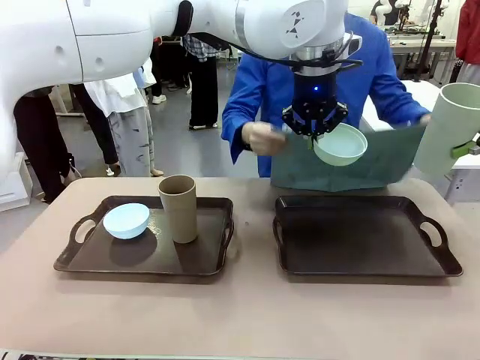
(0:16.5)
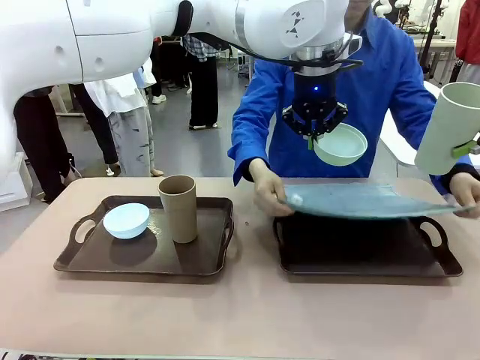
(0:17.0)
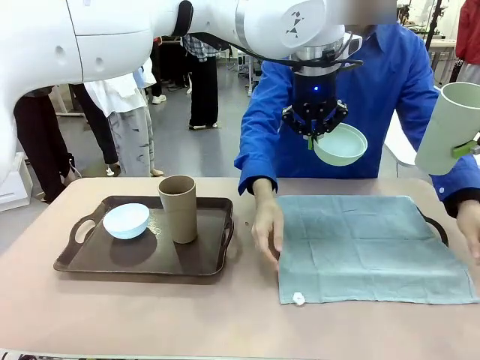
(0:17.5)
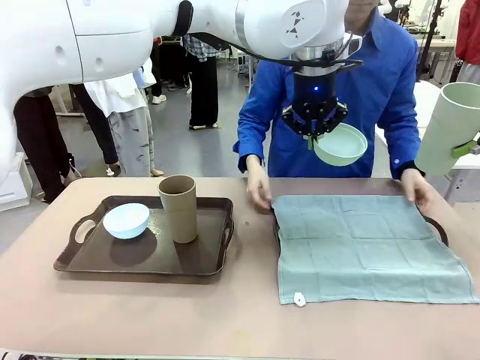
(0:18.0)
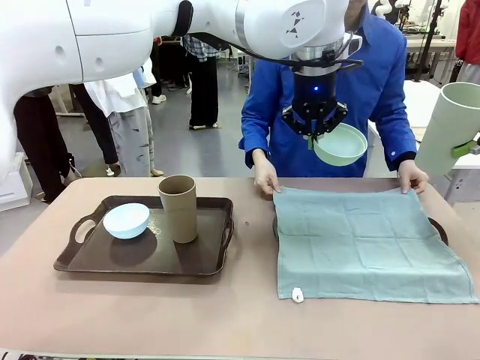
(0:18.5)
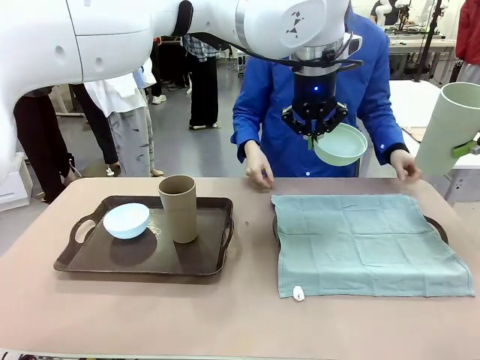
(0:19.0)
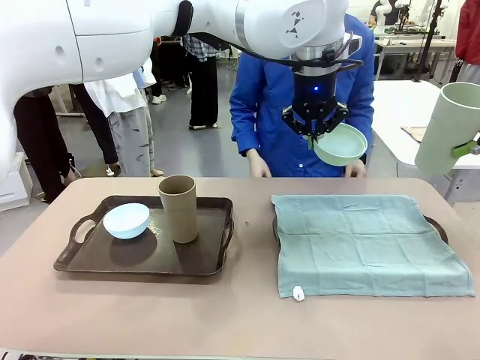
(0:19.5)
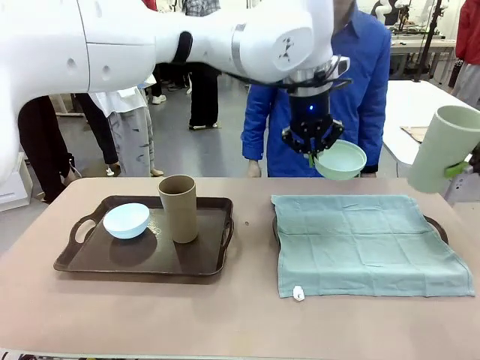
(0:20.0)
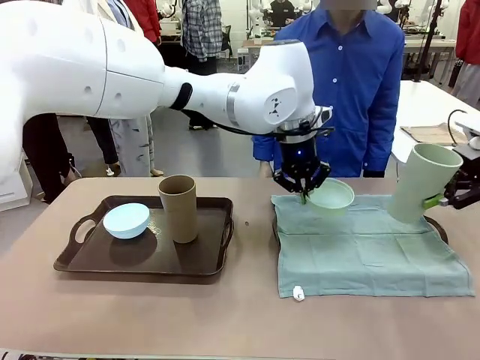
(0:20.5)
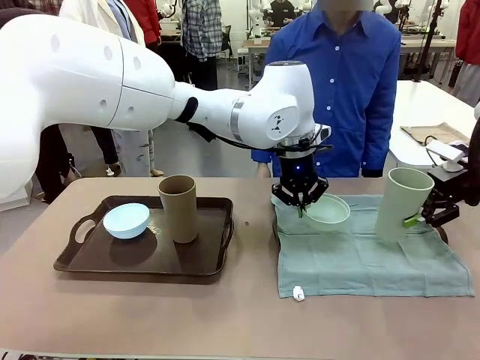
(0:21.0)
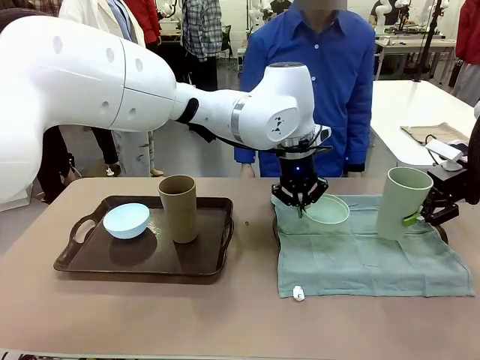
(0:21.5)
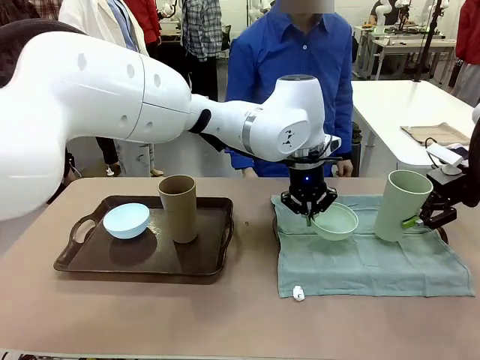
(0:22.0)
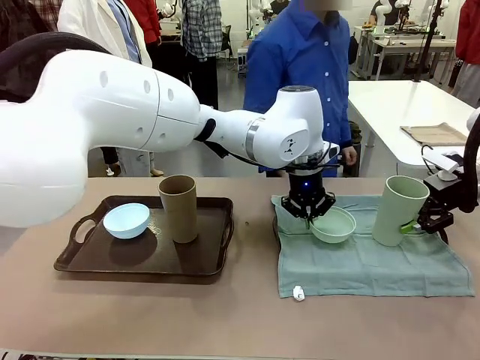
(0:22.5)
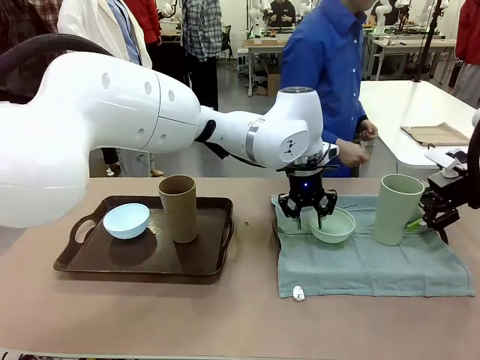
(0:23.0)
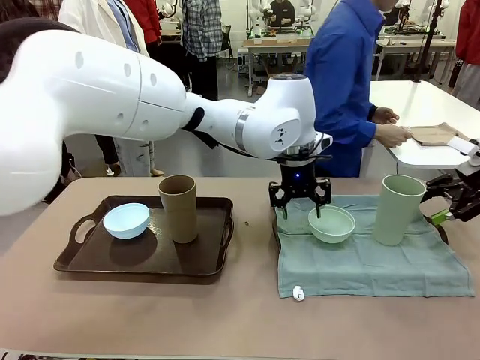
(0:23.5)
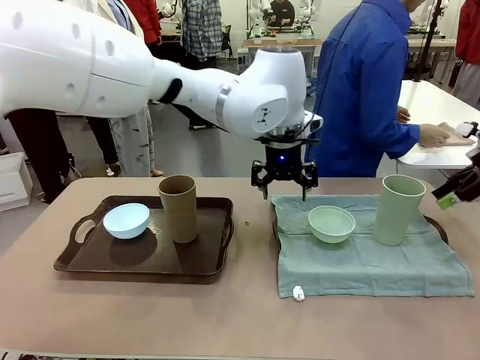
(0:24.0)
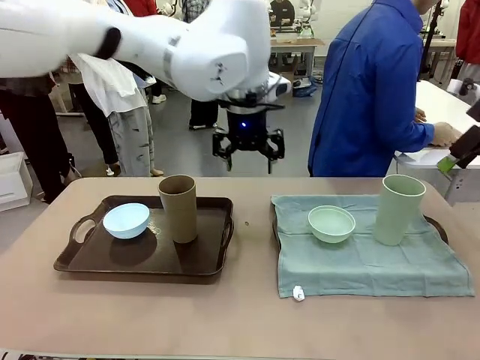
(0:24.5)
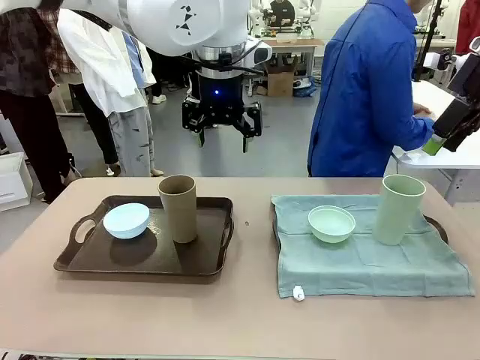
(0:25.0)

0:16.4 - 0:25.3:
Robot: Place the Picnic Bowl and Reusable plastic cup back onto the Handle tray in front of the human's position.
Person: The human returns to the human table to pick up another napkin and walks to the robot table to stand in front of the tray without a napkin.

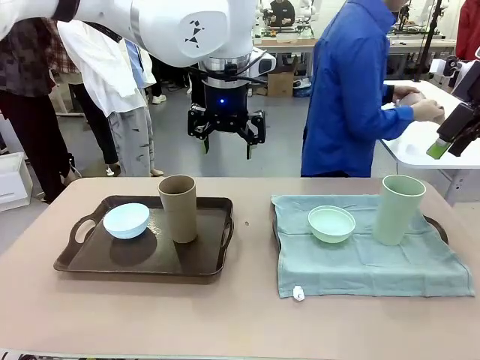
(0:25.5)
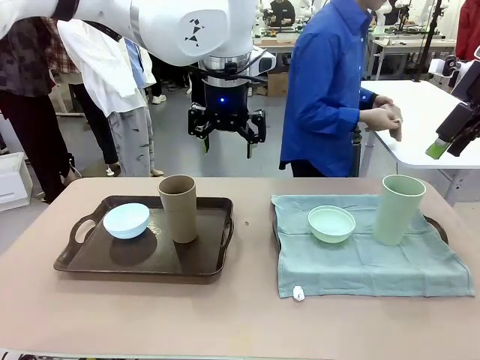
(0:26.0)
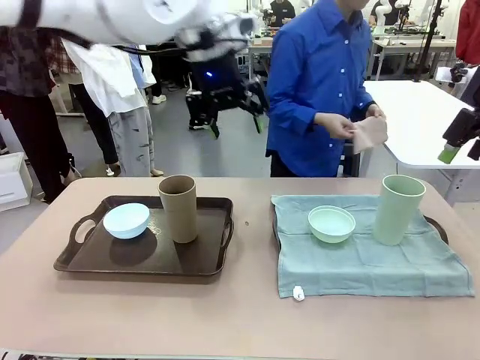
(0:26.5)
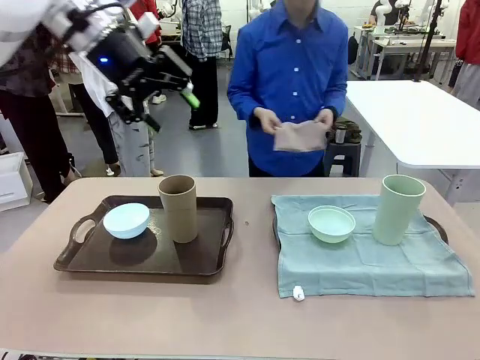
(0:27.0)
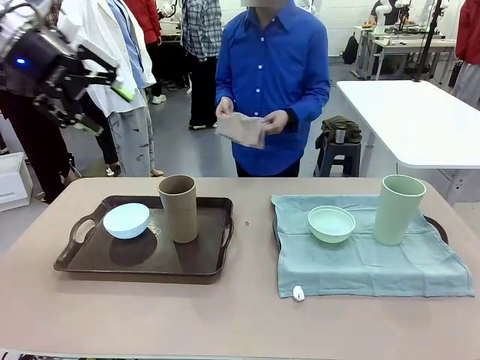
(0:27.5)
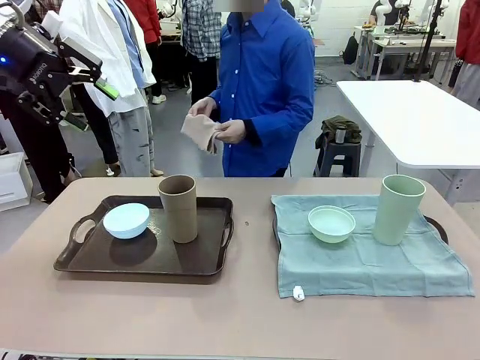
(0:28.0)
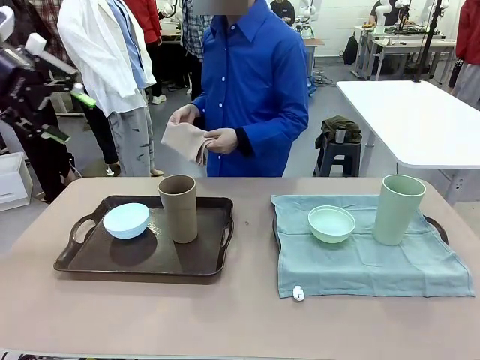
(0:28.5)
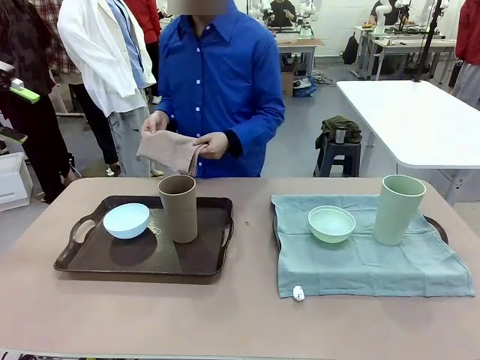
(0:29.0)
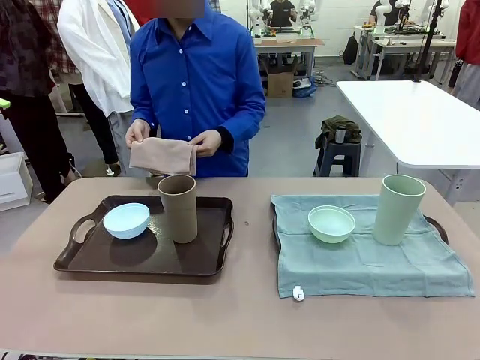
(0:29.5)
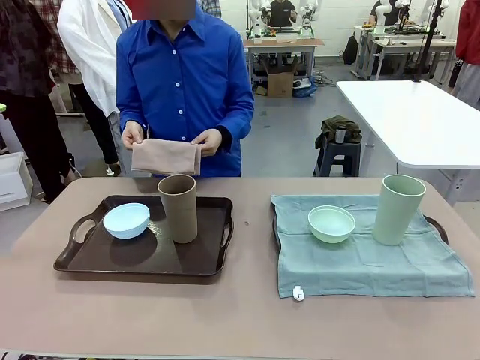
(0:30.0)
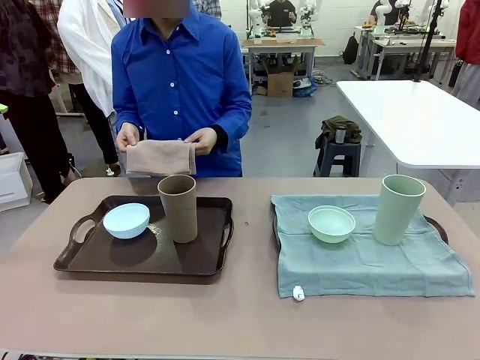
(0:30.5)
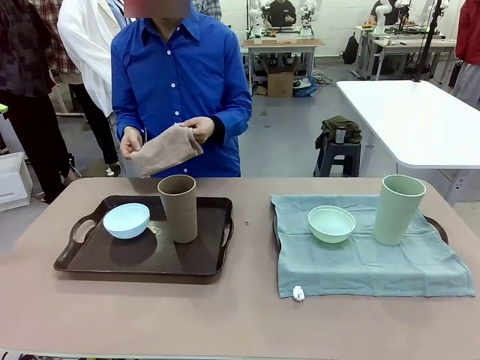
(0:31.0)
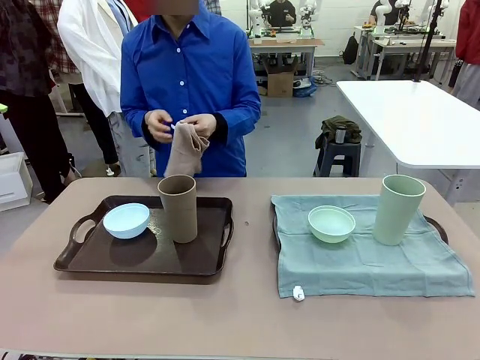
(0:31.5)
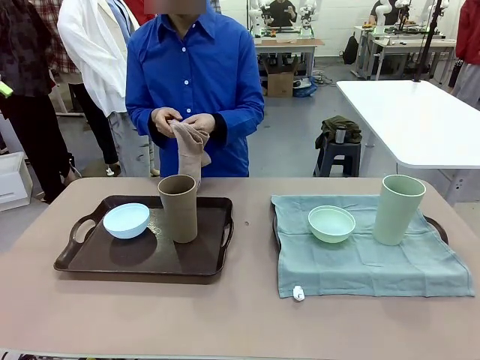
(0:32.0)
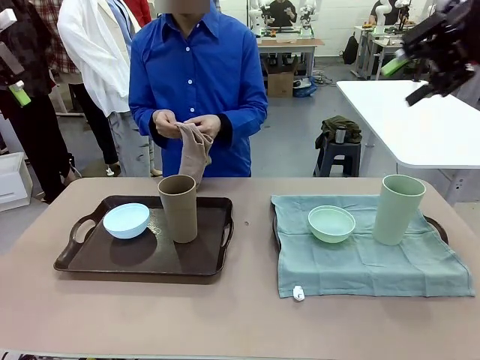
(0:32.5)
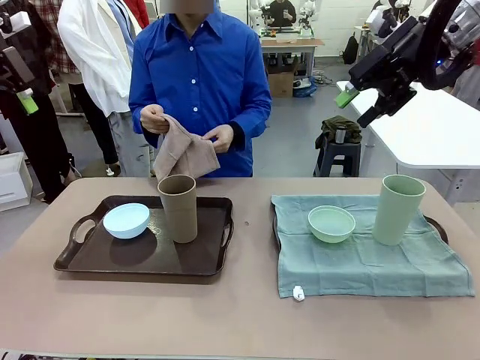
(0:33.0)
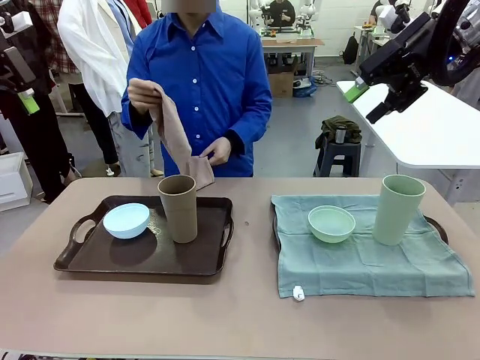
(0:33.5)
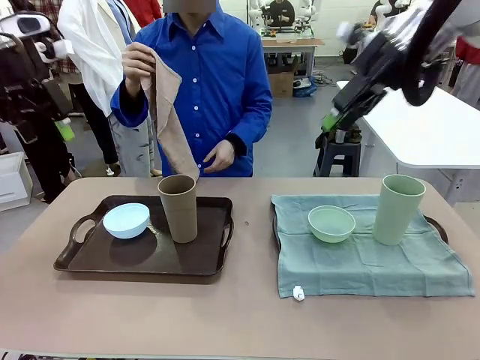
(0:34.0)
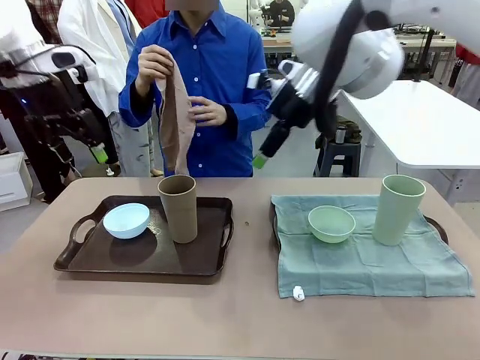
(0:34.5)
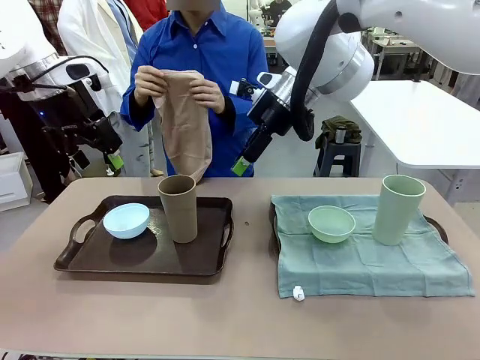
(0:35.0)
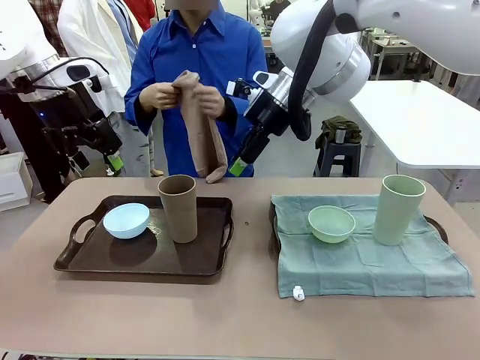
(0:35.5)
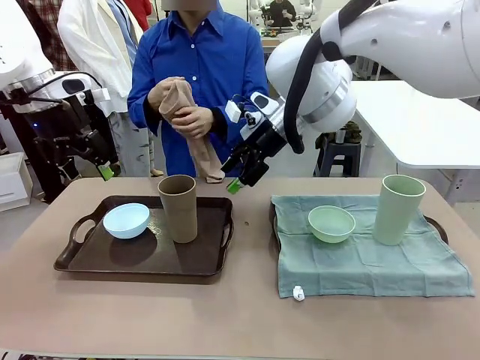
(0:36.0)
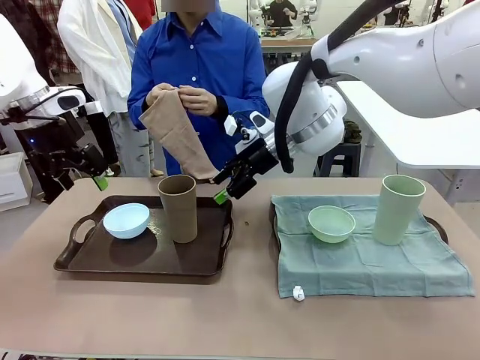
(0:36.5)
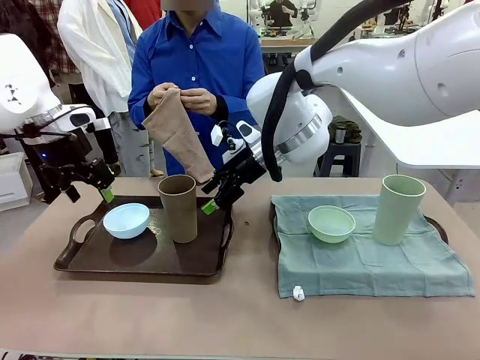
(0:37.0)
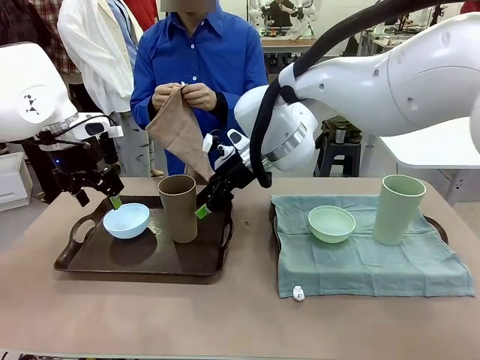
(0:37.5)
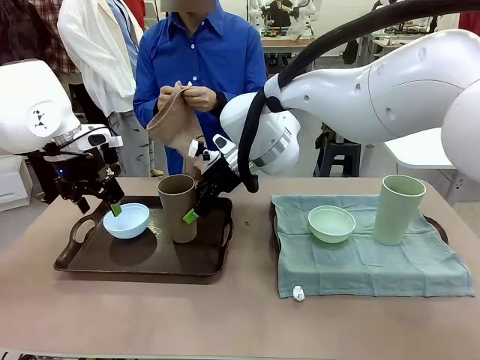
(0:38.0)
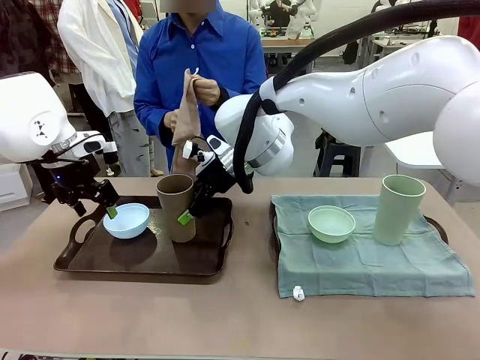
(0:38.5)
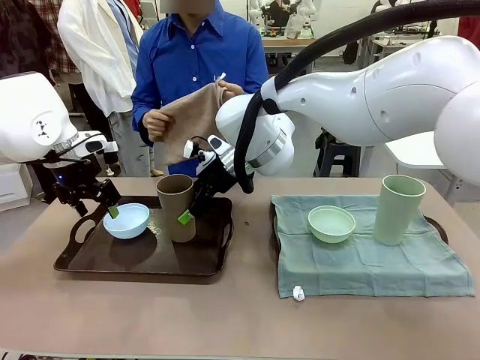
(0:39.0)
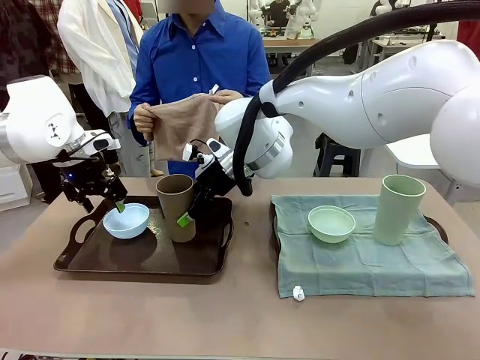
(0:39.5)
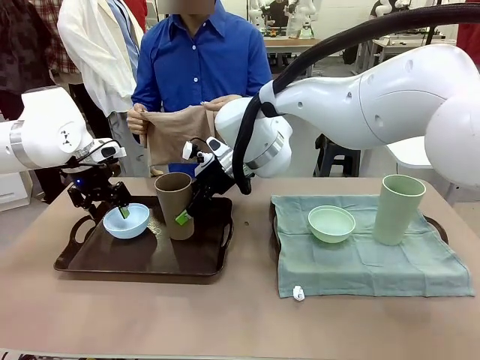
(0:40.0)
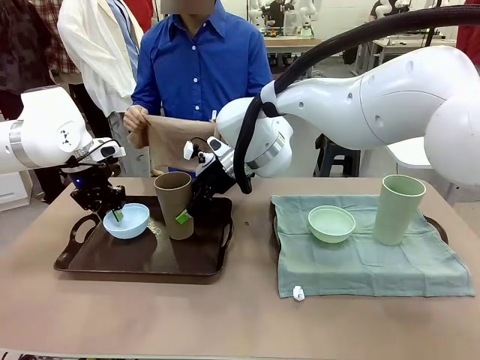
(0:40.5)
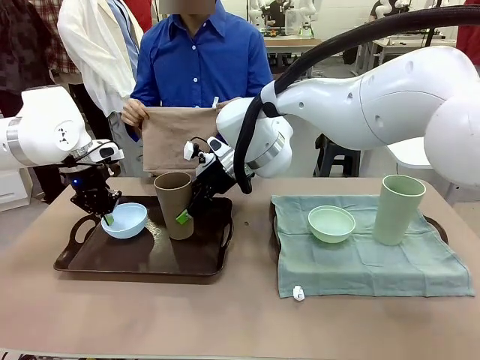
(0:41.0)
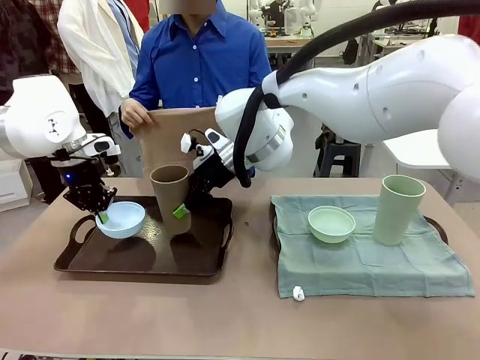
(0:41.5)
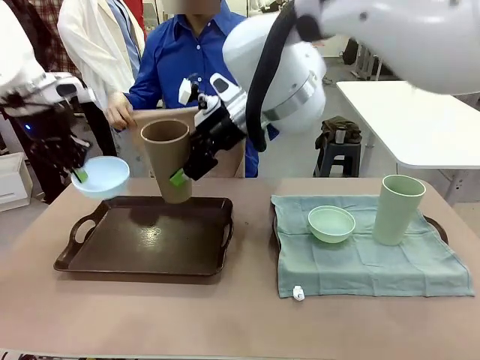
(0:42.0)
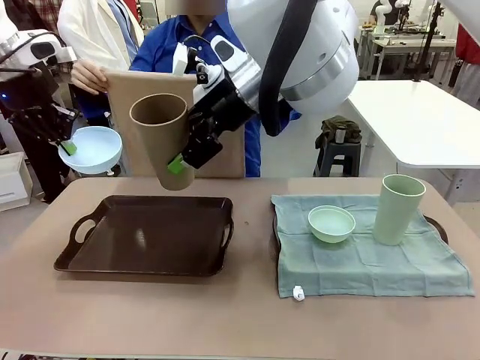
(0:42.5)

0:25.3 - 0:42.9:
Robot: Pick up the Picnic Bowl and Reusable plastic cup from the Handle tray in front of the human's position and hold them in the air.
